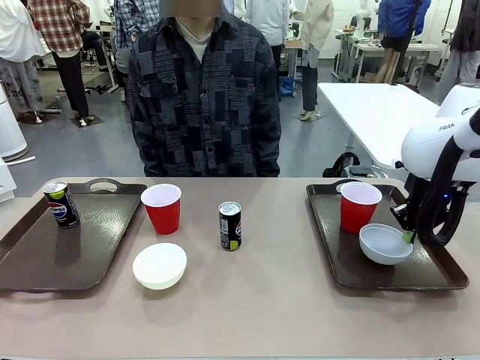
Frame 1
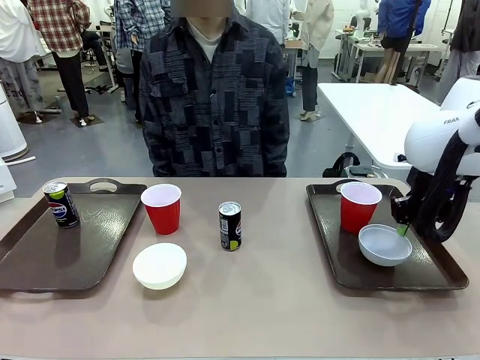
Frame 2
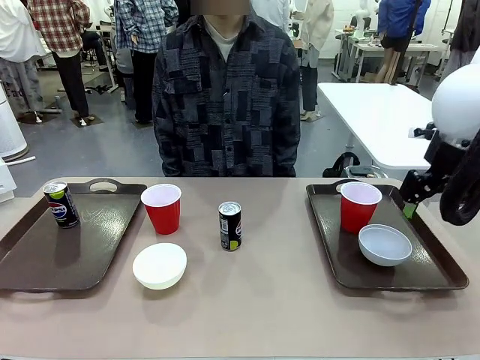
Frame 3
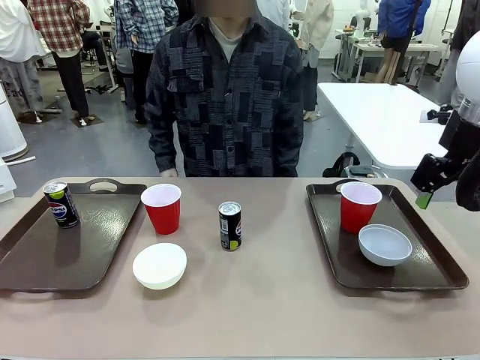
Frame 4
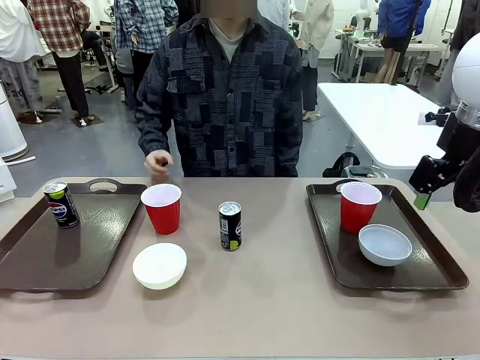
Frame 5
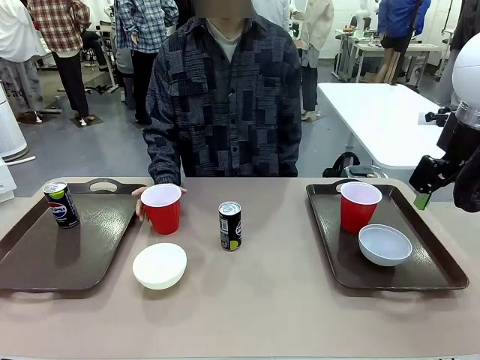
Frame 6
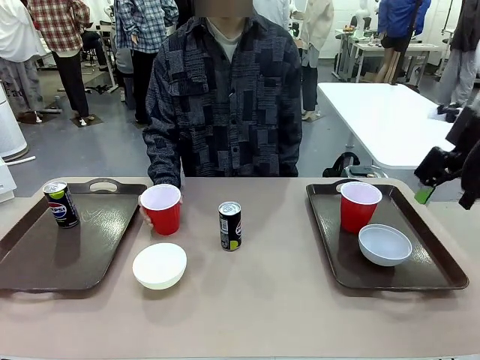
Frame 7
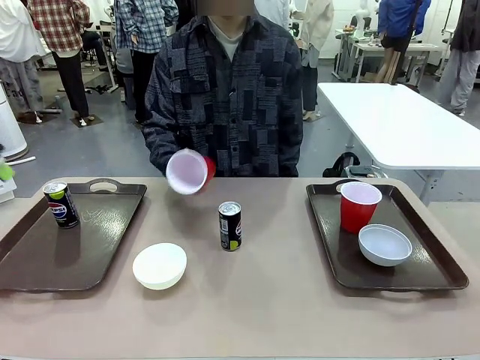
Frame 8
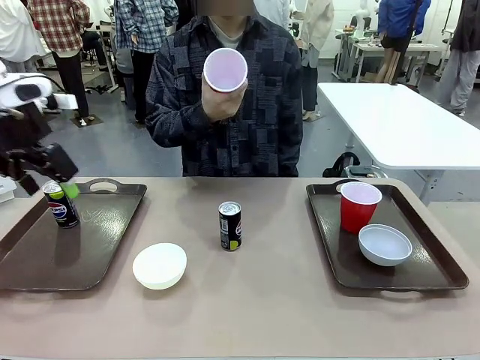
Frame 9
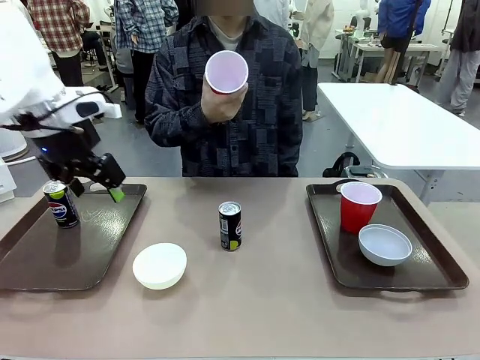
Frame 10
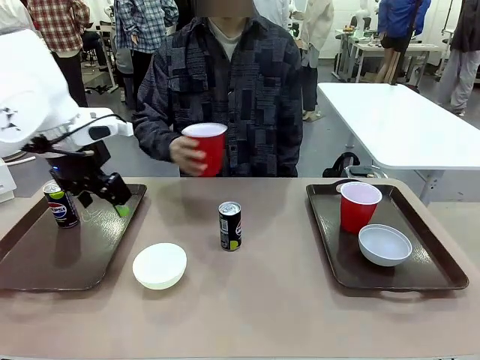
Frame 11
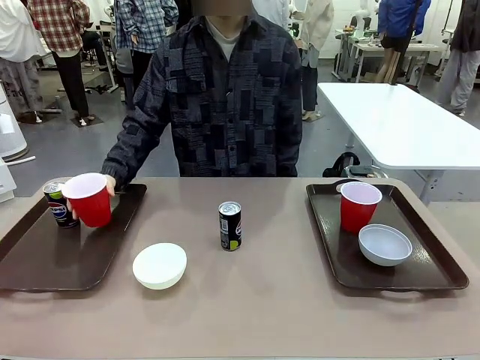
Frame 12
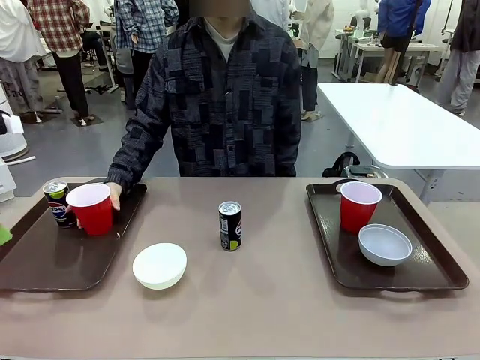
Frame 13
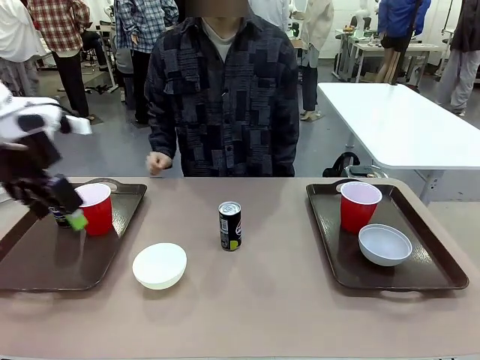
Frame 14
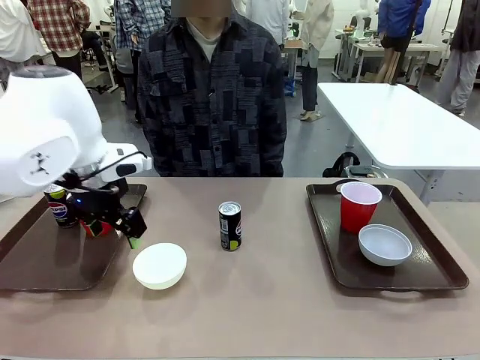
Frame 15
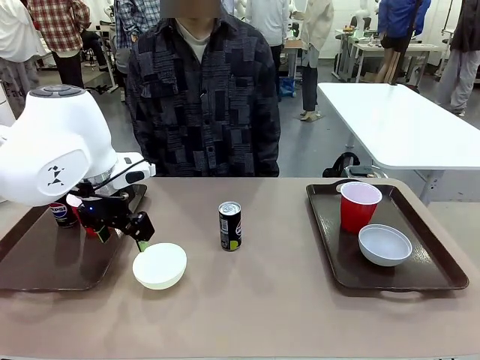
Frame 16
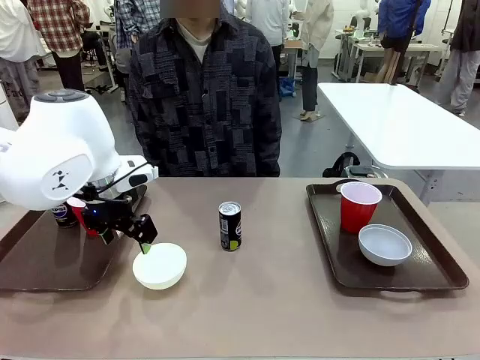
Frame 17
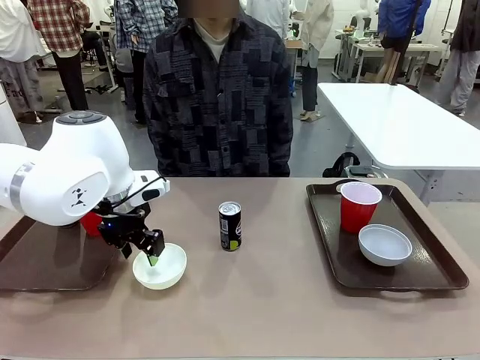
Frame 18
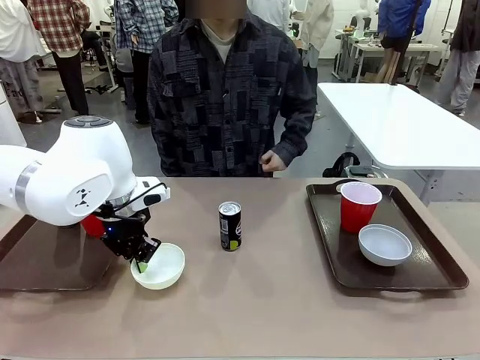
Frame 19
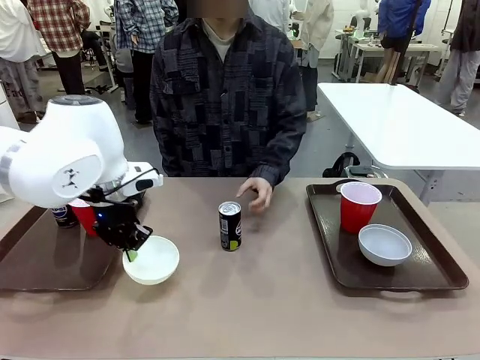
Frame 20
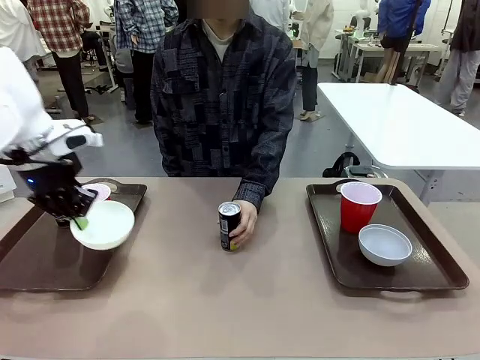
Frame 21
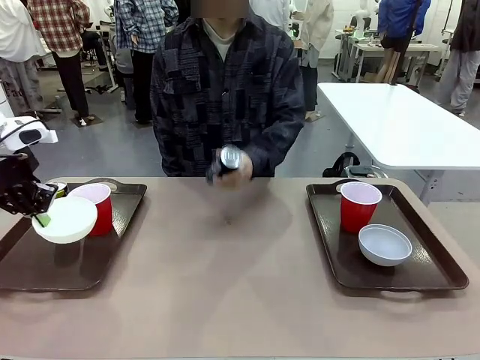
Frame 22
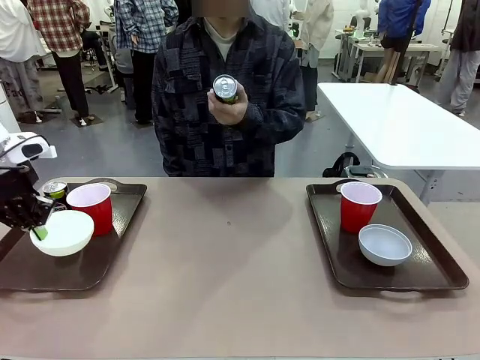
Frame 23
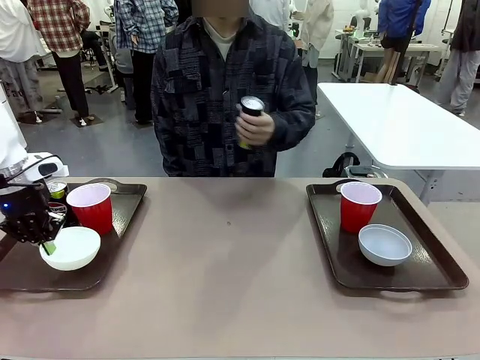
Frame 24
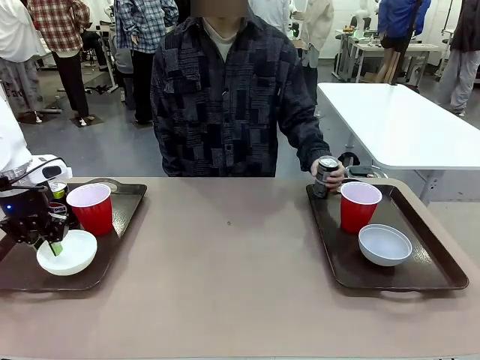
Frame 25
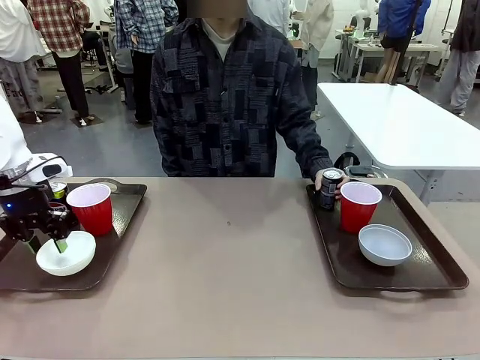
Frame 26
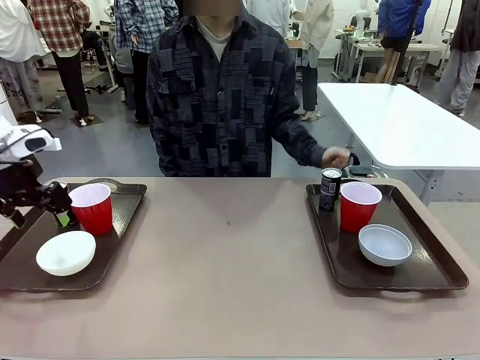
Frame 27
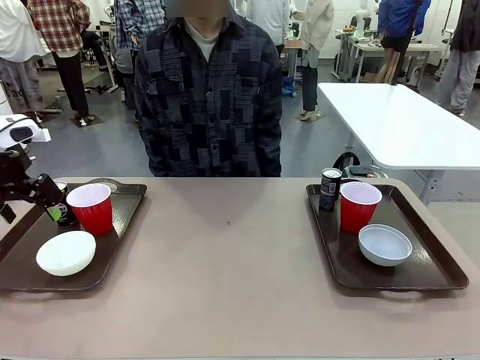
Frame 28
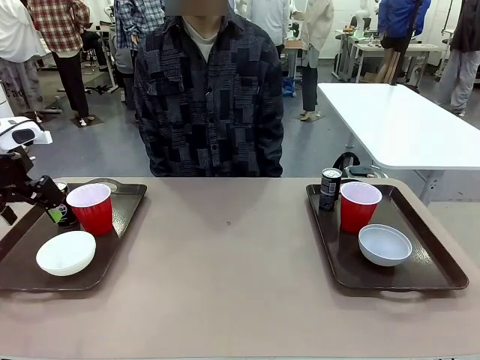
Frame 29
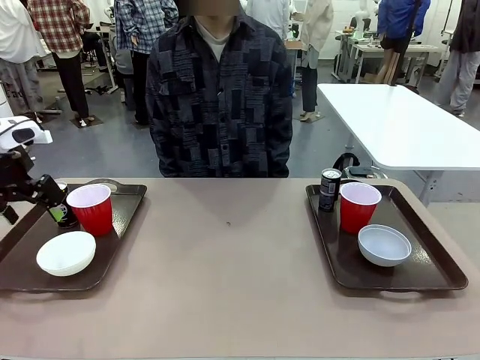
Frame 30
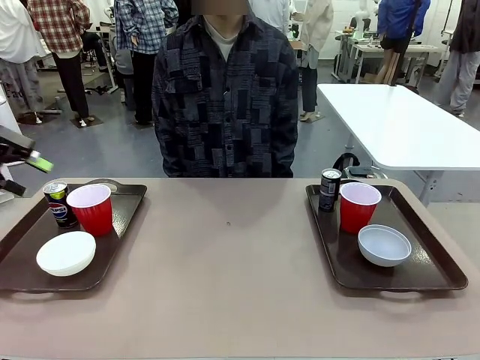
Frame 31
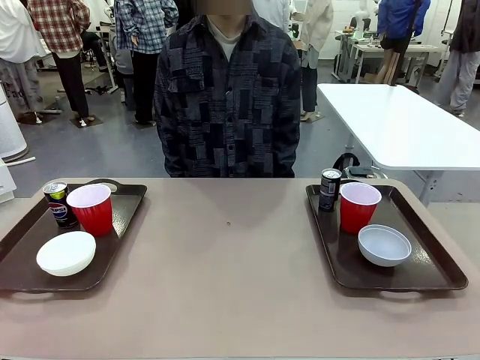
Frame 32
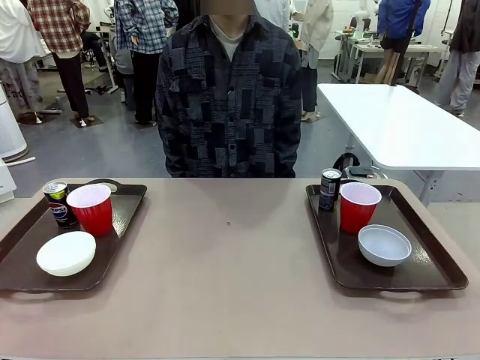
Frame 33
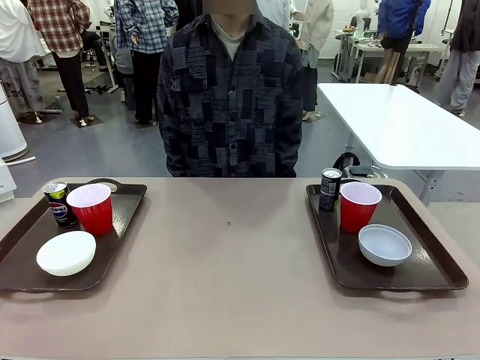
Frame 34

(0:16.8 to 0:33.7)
Task: Prepare tableware on both trays.
Robot: Pick up a Picnic Bowl from the table and place it on a Handle tray.
Person: Pick up a can or cup and place it on the tray without a can or cup.
